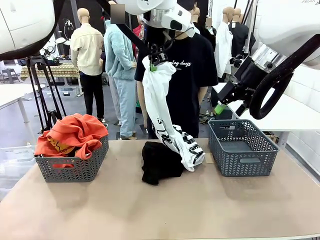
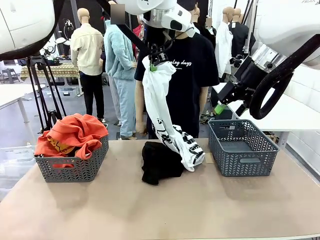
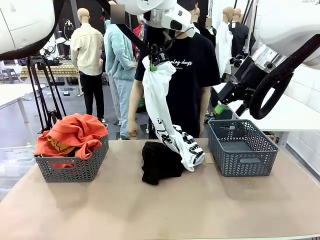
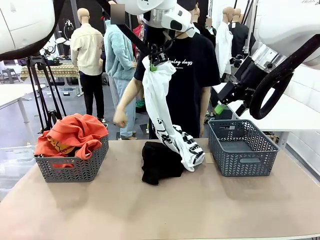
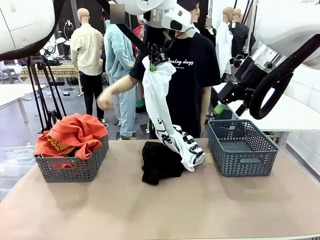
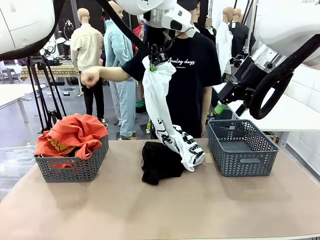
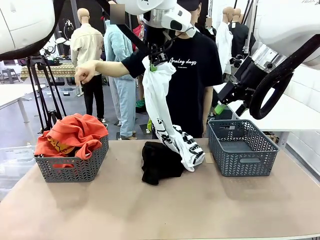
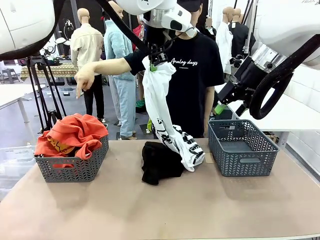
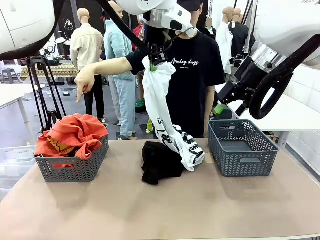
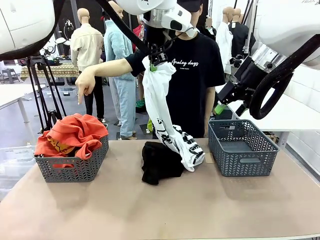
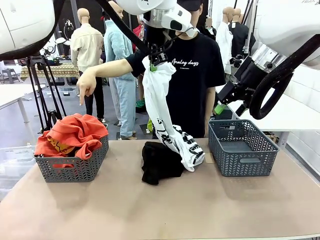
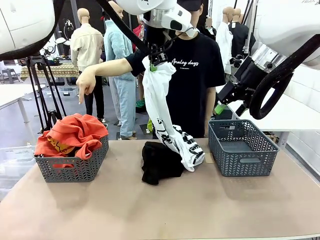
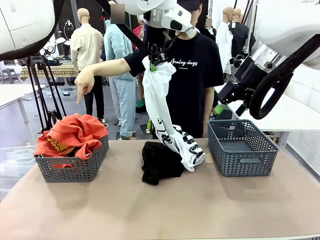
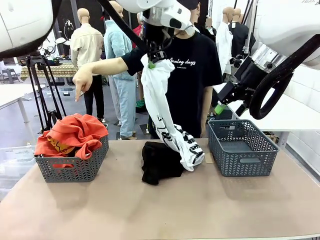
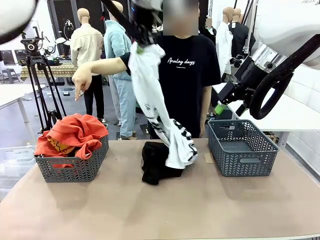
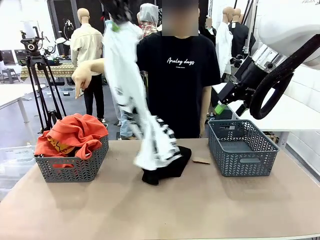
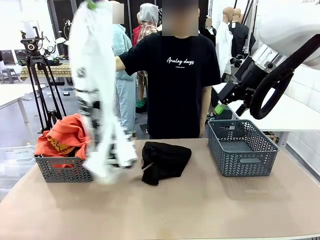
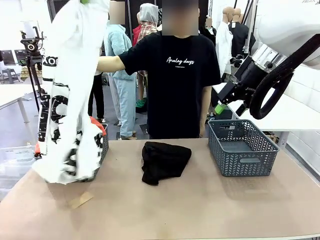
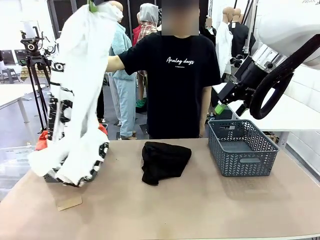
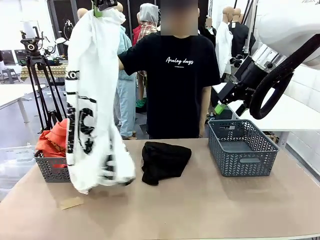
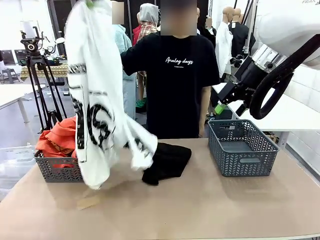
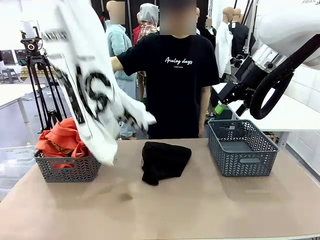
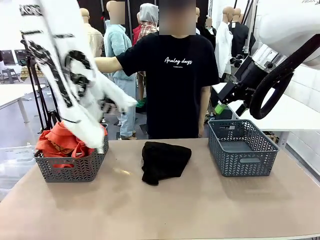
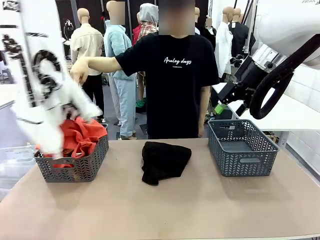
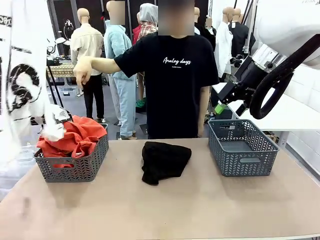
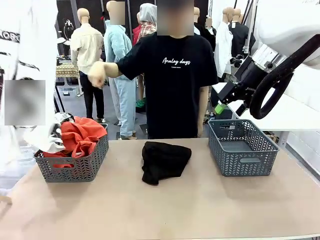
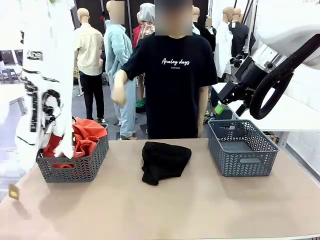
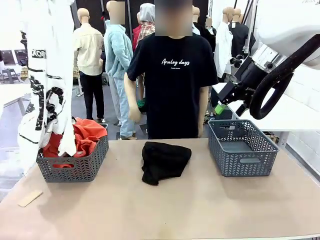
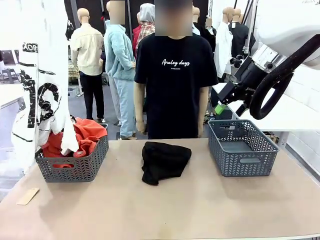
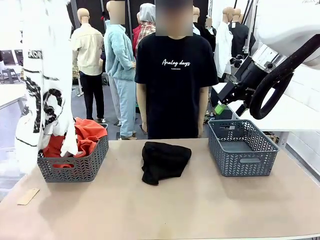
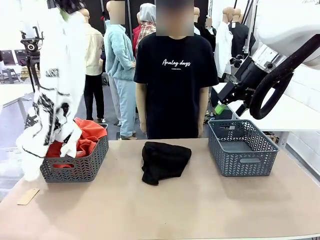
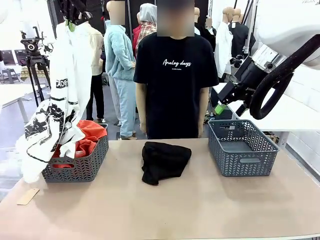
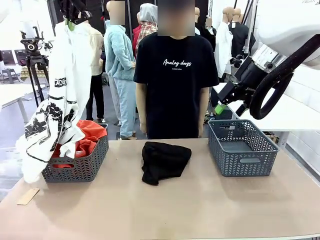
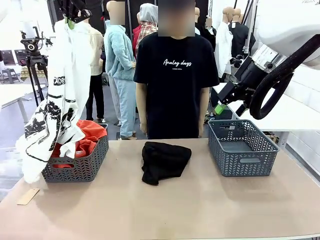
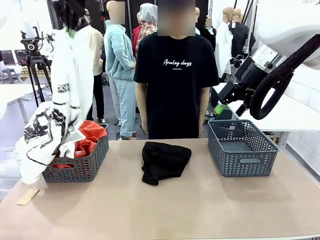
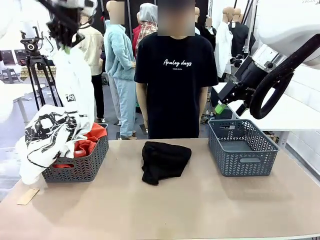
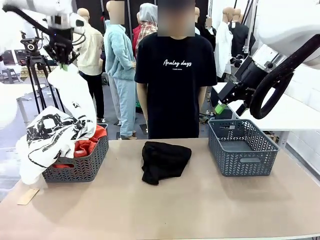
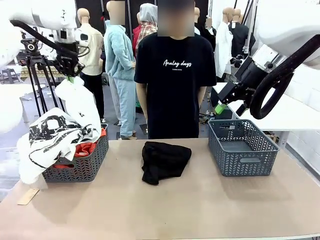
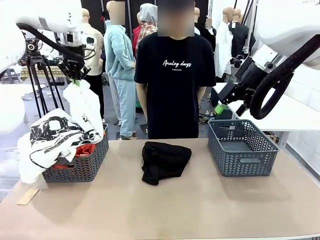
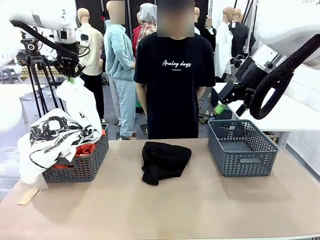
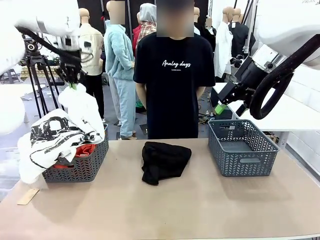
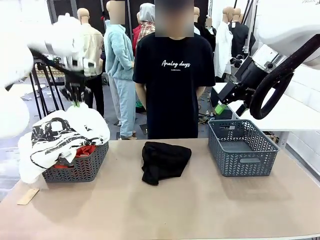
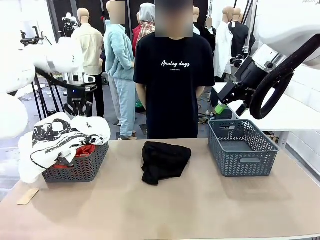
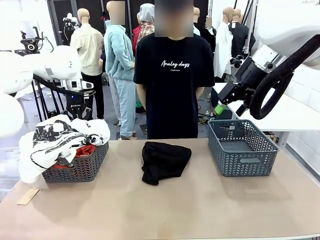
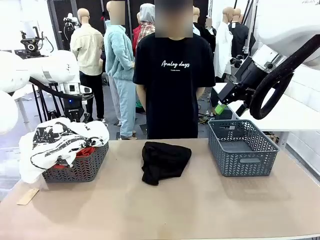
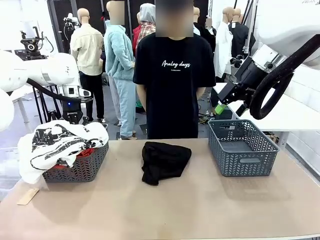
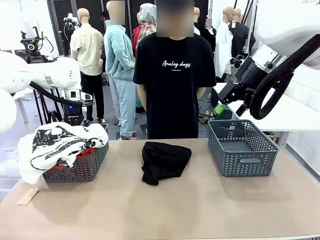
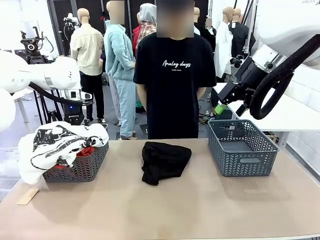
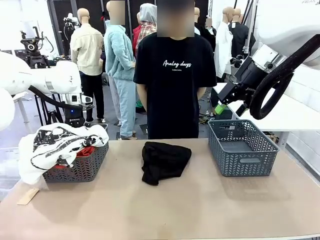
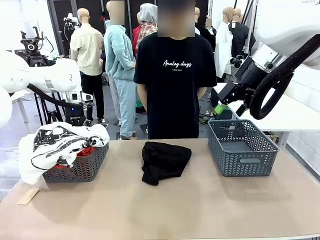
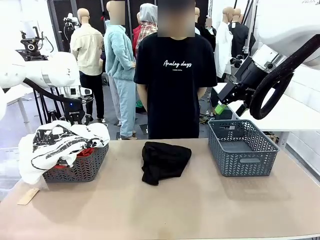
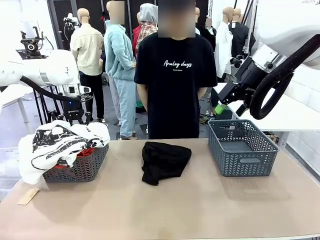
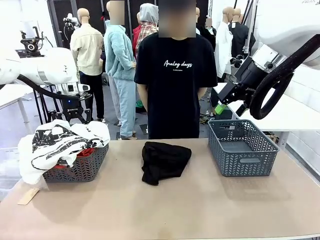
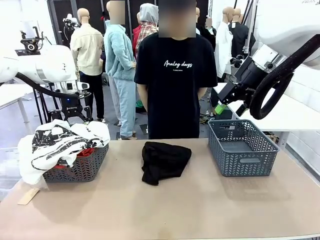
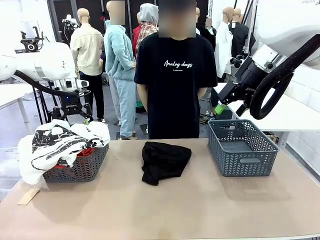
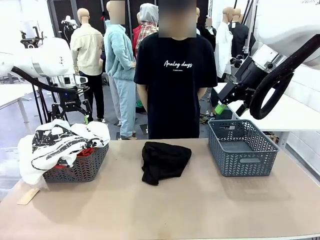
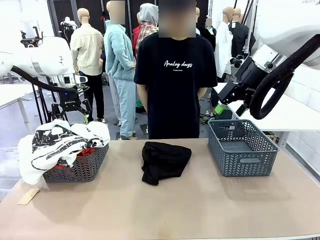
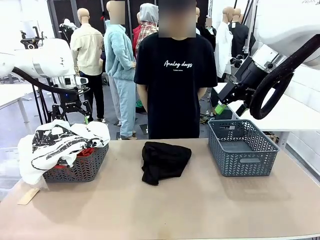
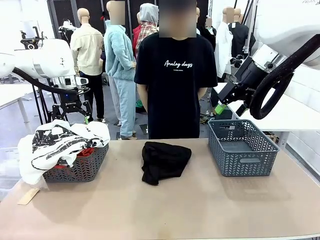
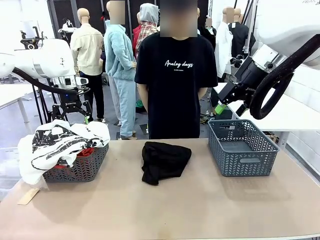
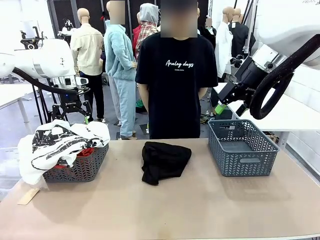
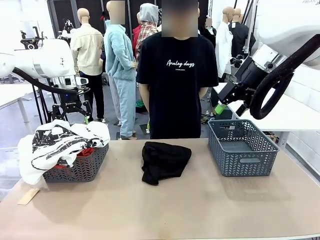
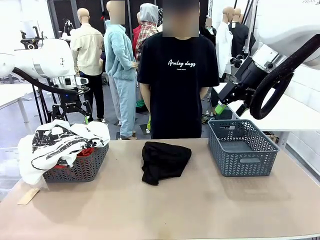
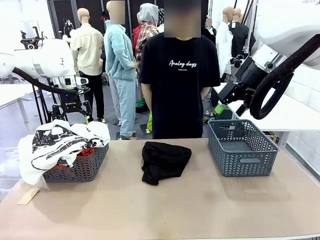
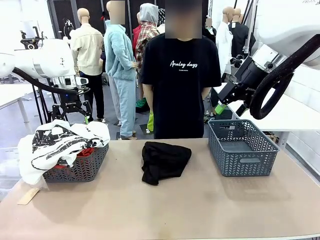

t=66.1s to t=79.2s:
Task: Sort the tops and bottoms.
Robot: Sort the clothes according to human instructions.

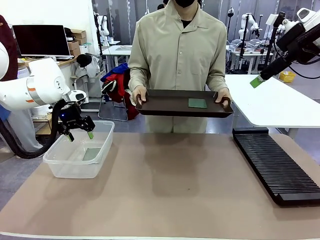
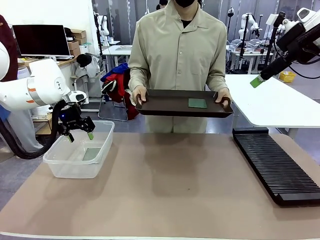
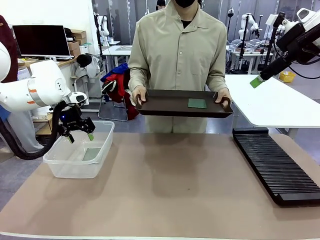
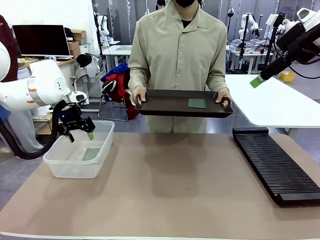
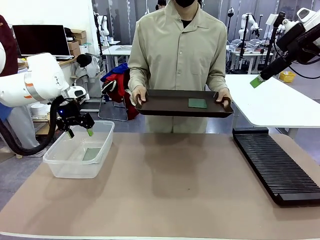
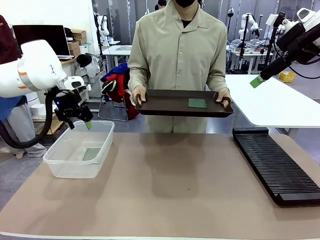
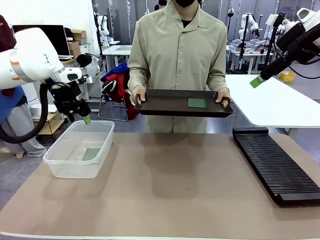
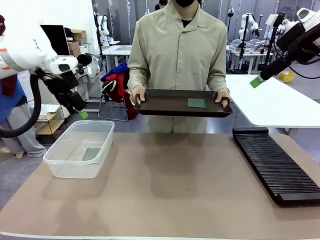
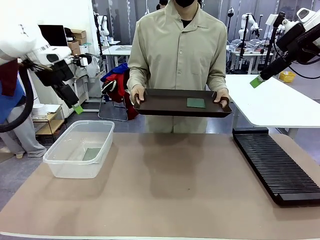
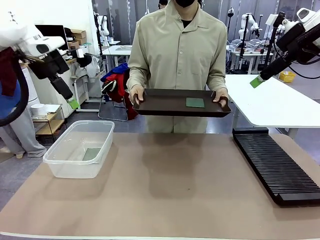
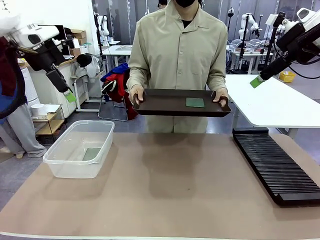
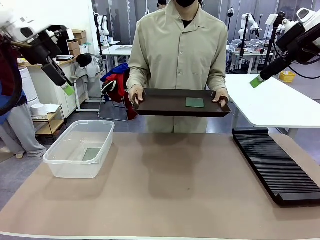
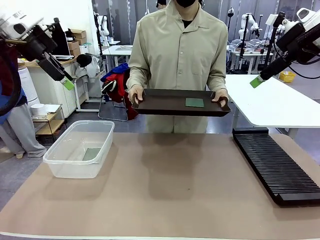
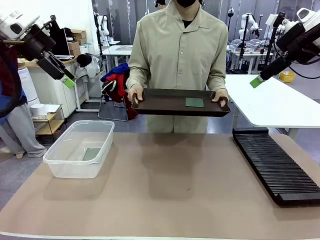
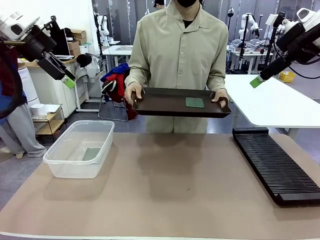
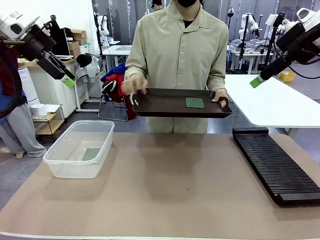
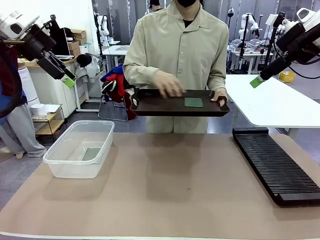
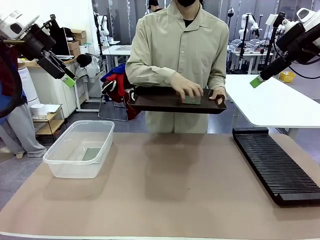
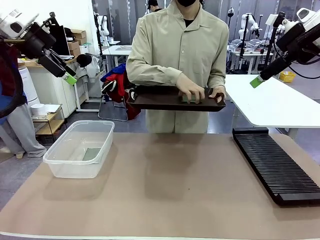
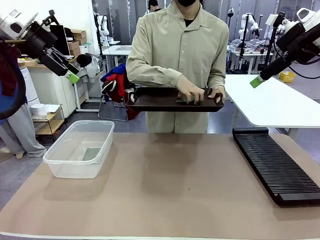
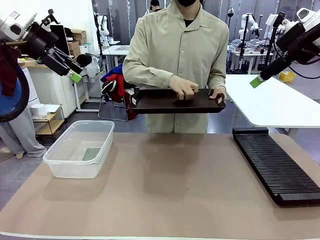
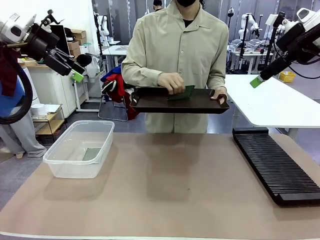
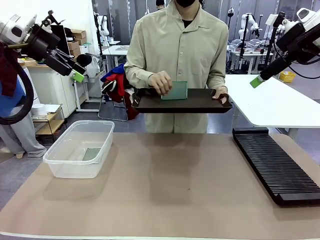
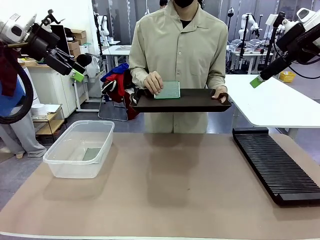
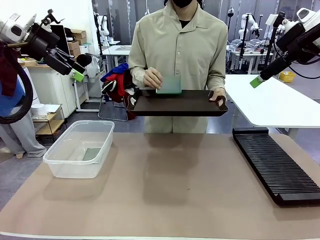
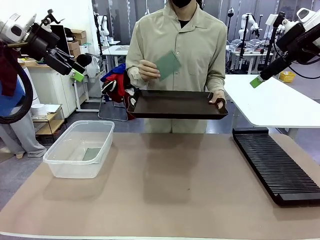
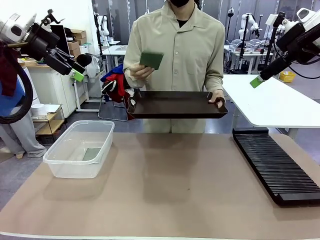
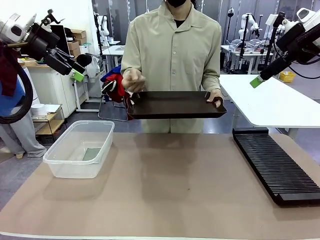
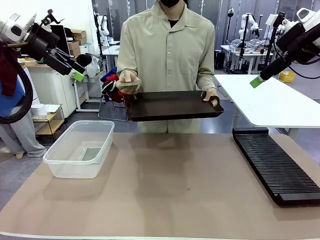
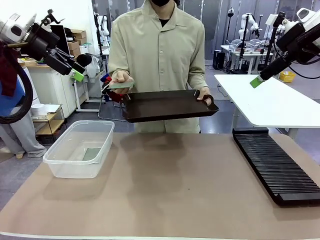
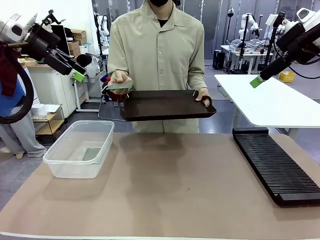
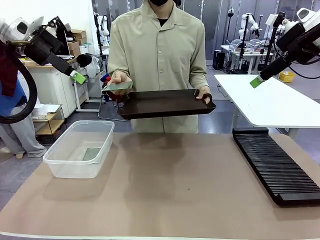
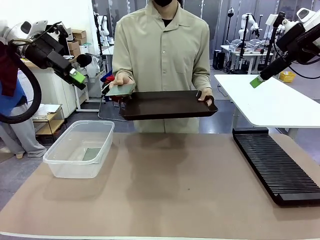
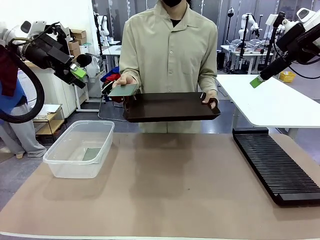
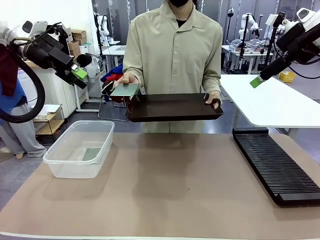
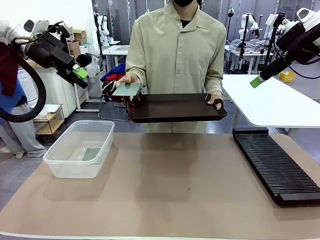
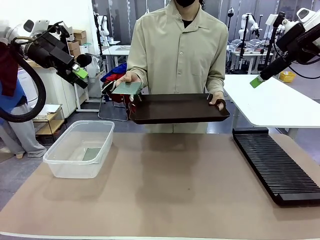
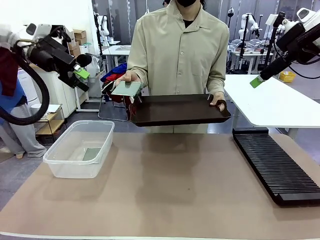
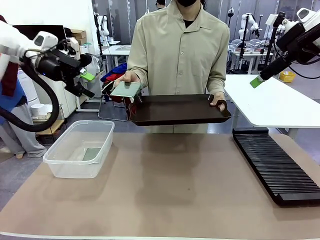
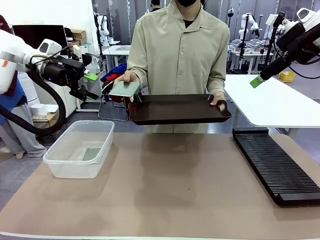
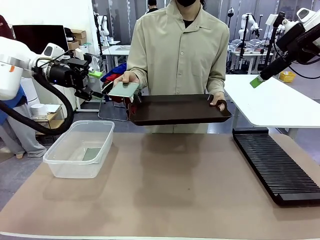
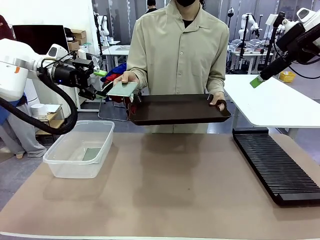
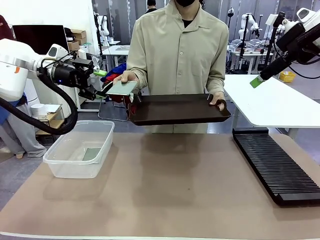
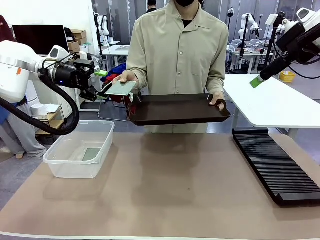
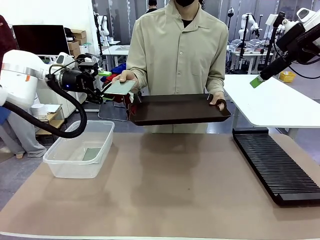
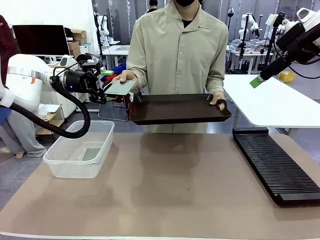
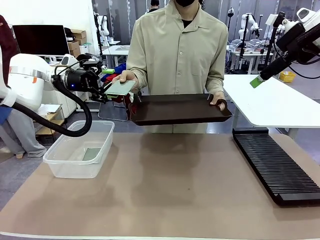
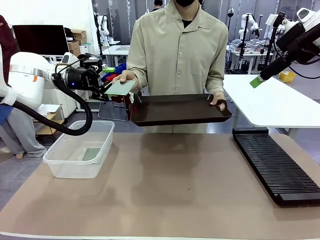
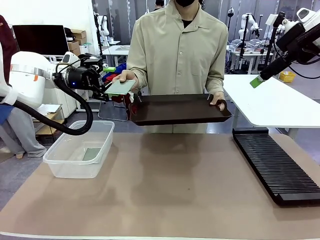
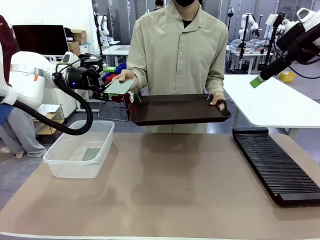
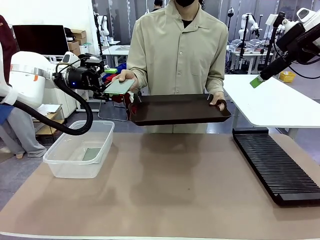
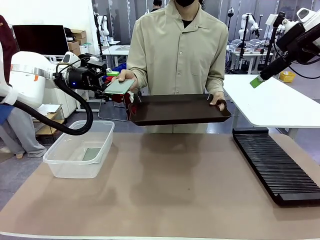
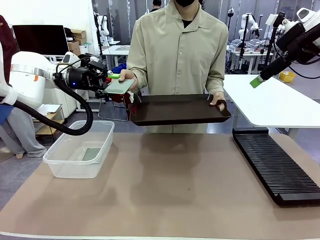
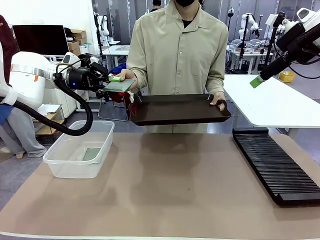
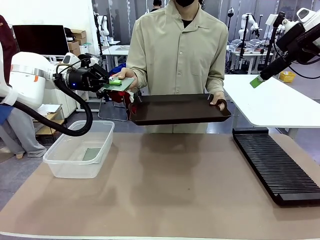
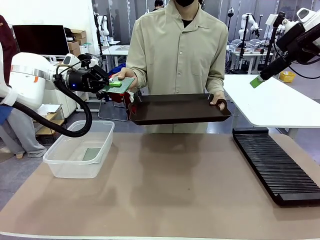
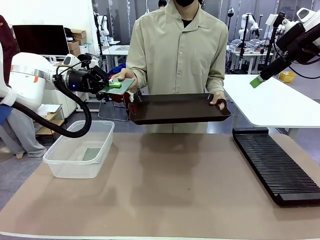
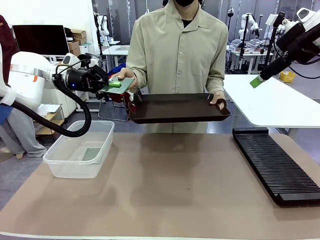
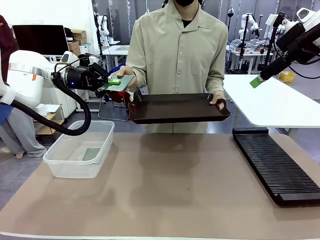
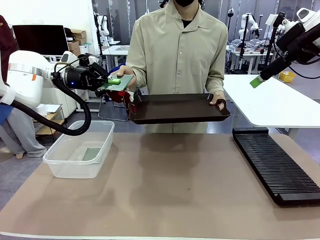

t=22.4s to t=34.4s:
Task: Sort PCBs into racks and boxes based on the side picked up.
Robot: Pick up the Blank PCB handed by the Human.
